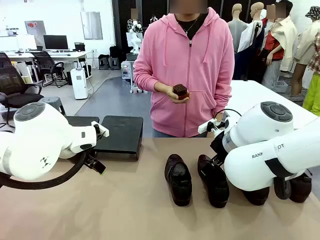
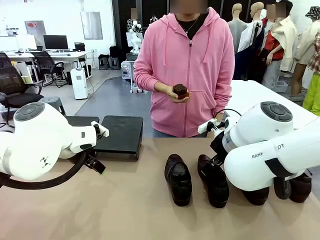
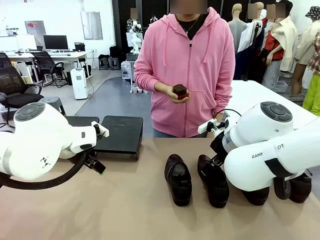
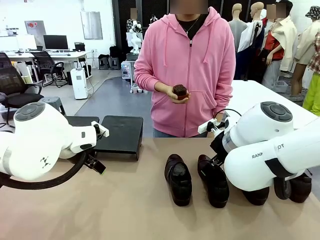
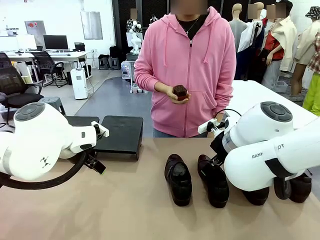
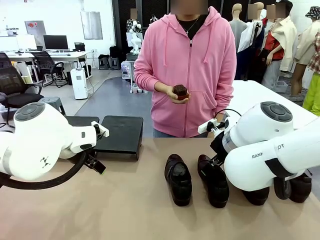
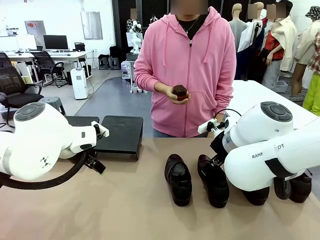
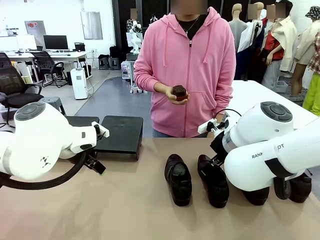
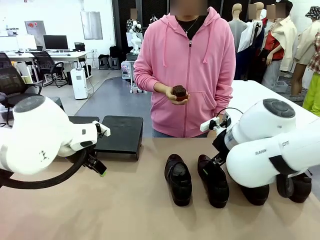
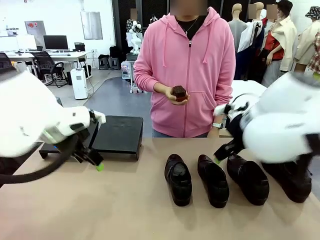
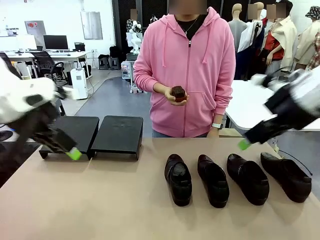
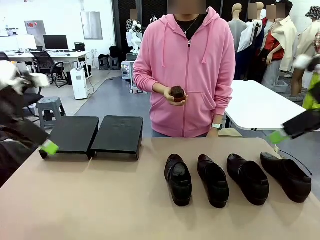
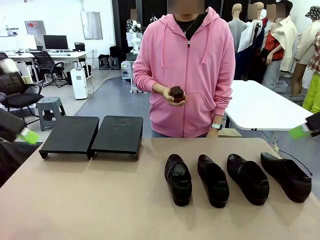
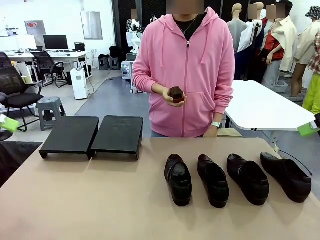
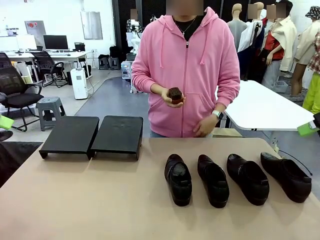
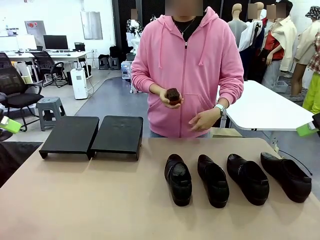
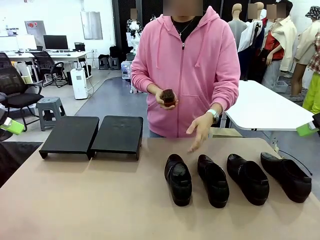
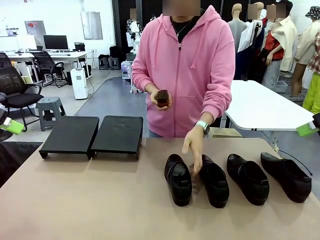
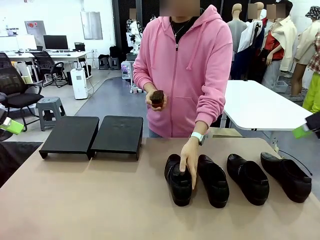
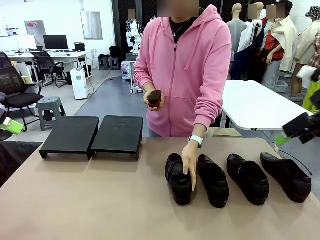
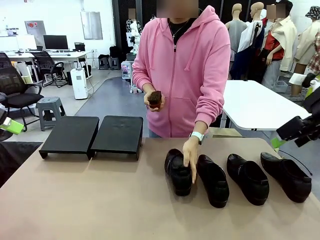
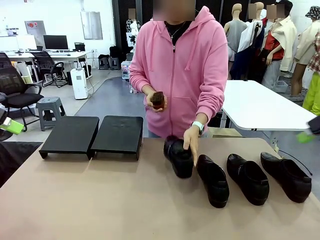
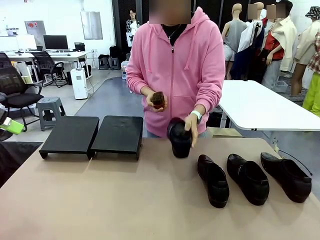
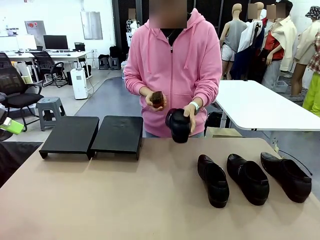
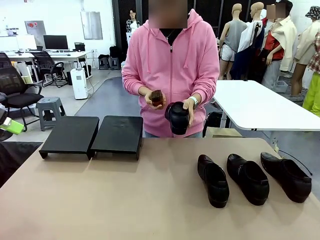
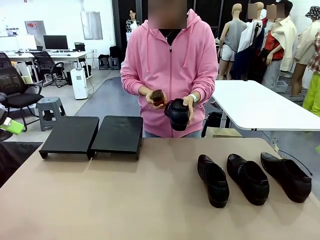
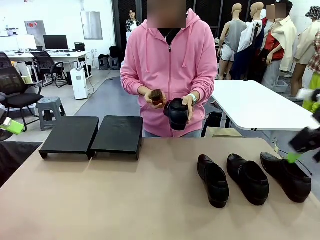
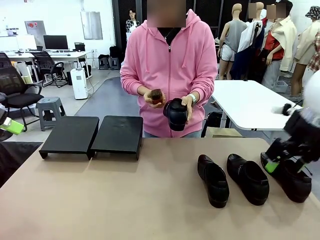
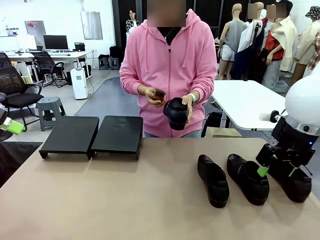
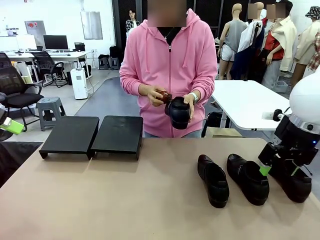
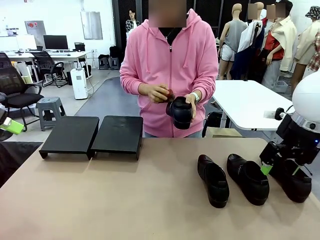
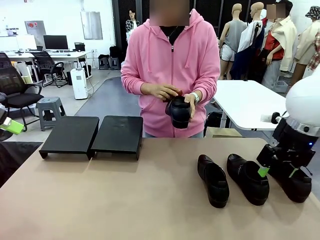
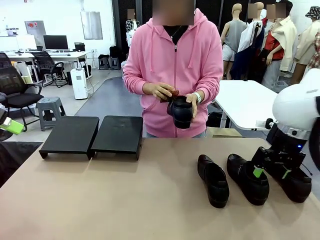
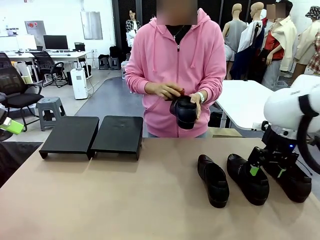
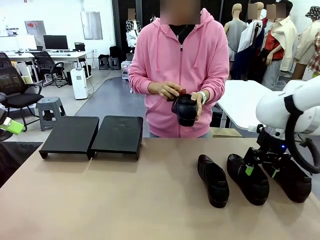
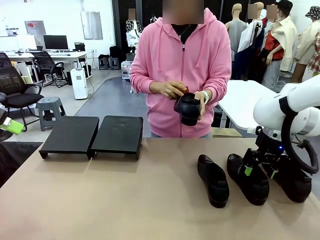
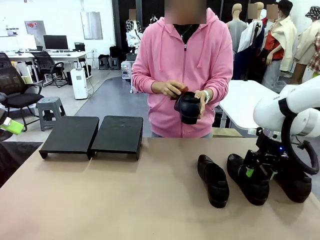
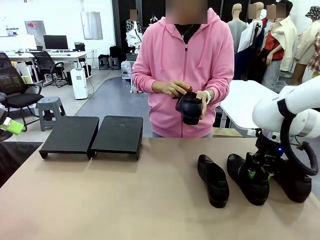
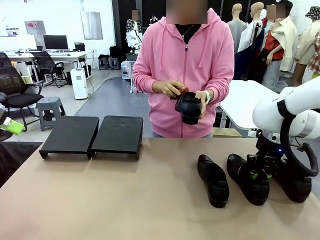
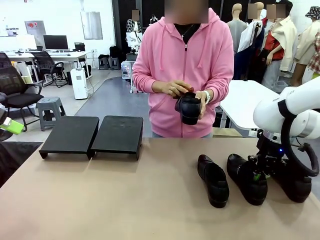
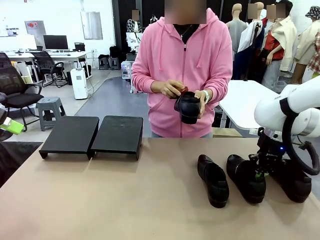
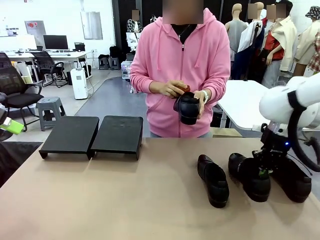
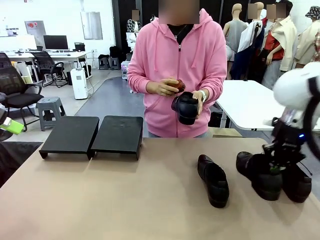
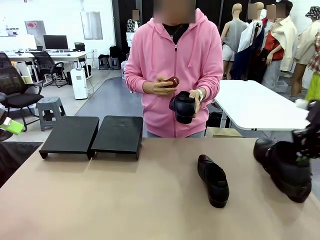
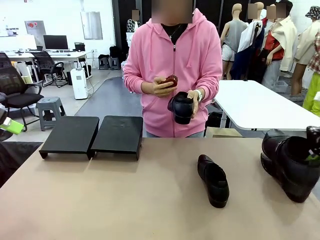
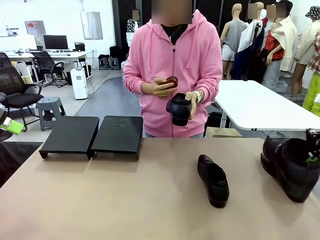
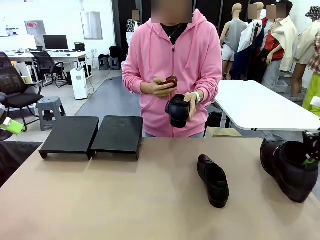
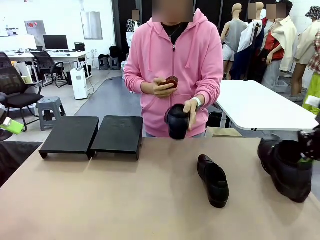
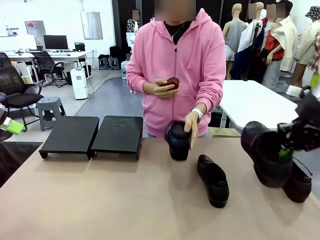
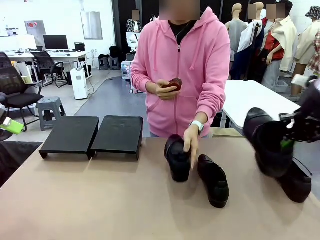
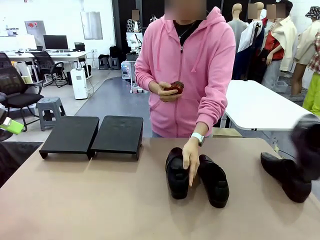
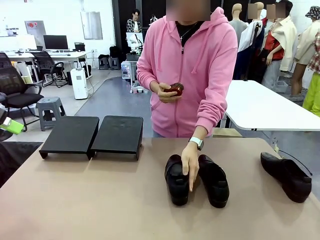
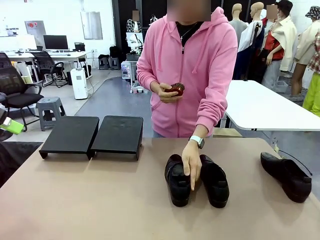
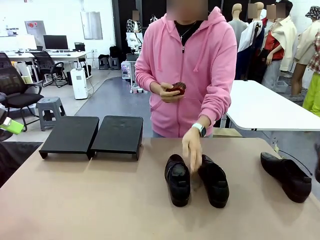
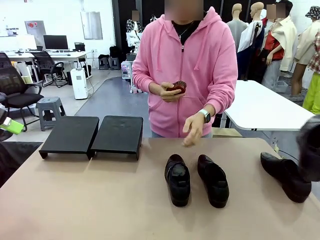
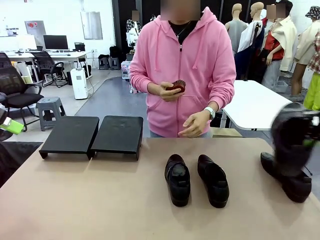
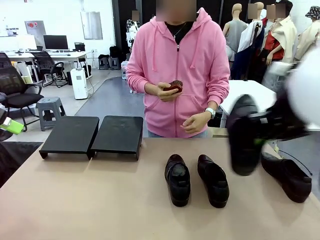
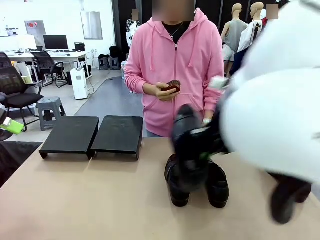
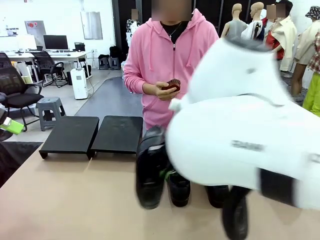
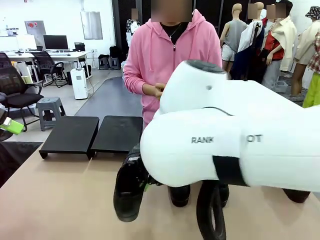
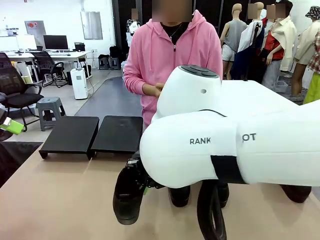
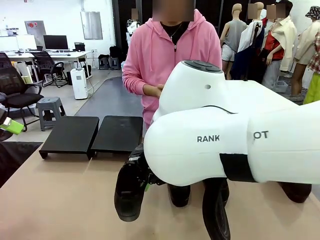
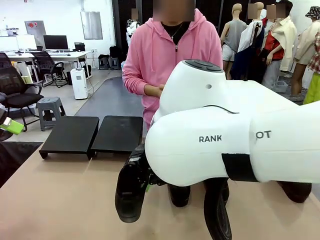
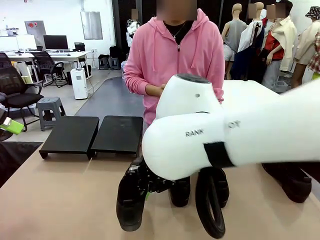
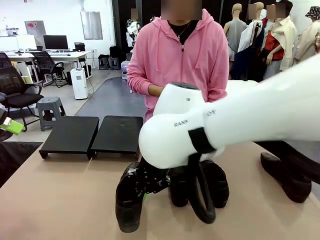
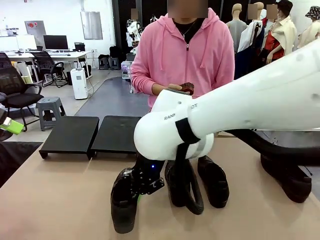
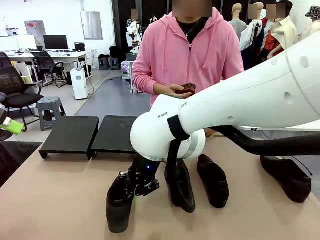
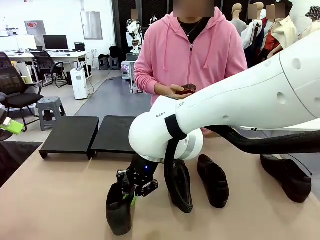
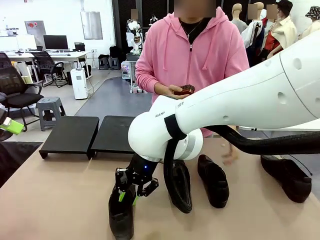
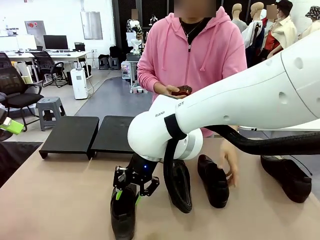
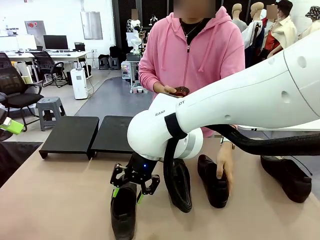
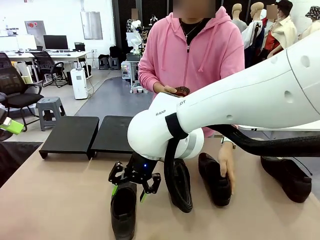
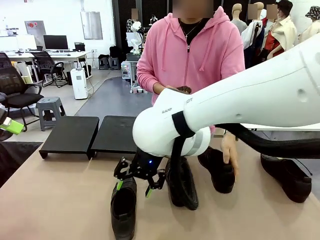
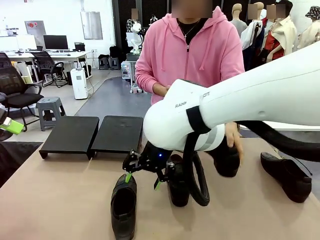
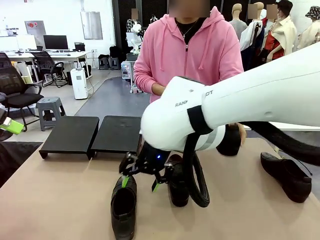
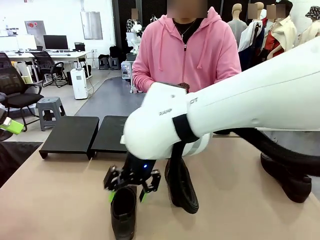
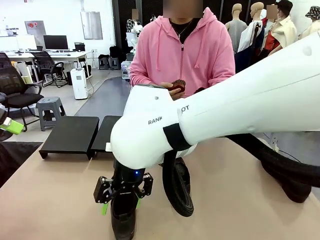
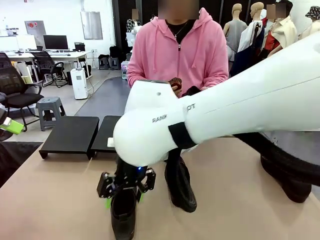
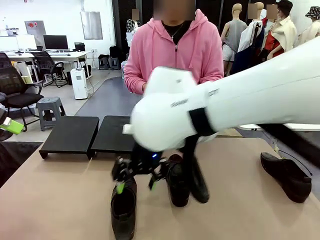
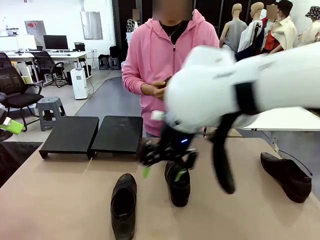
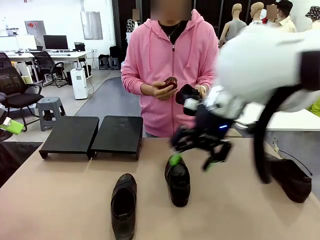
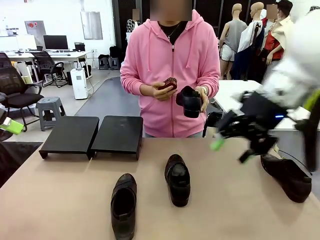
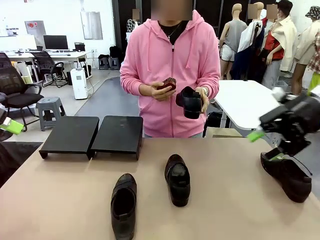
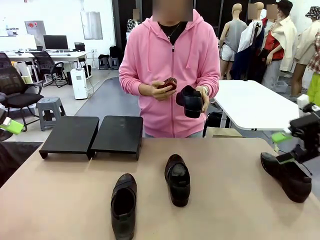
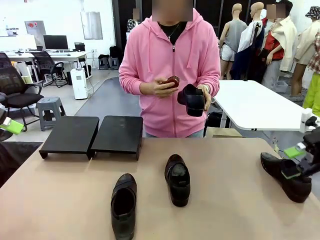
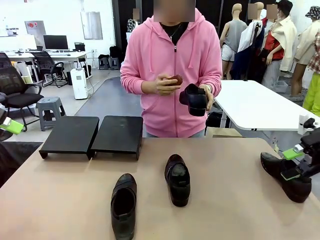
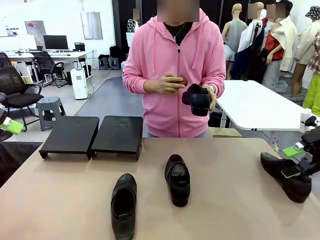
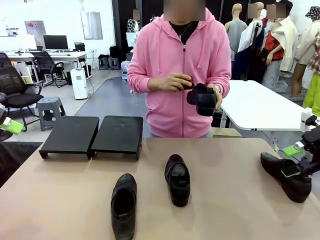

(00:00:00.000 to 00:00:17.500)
Task: Organize the shoes by placing them on the stand.
Robot: Pick up one Shoe and place it in the middle of the table.
Person: Pick one Shoe on Robot's table. Clean the Shoe with the Shoe Brush. Place the Shoe on left side of the Robot's table. Pick one Shoe on Robot's table.
